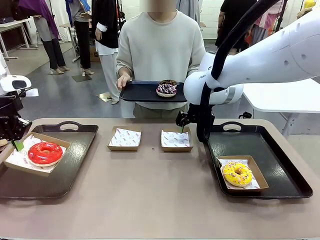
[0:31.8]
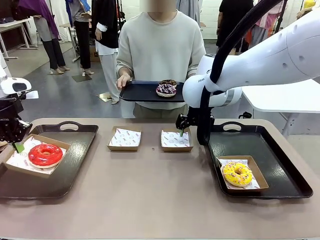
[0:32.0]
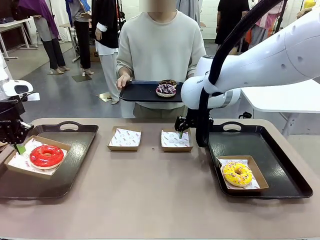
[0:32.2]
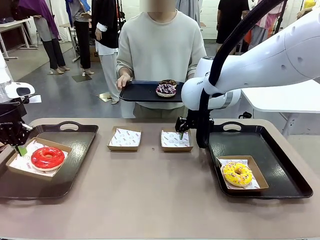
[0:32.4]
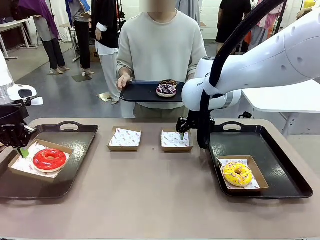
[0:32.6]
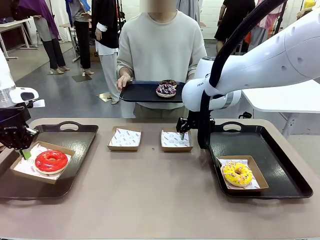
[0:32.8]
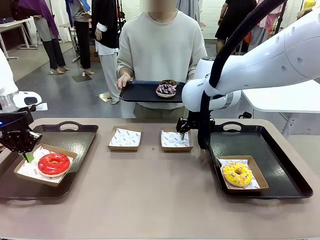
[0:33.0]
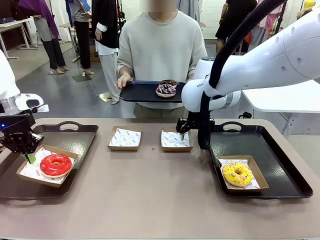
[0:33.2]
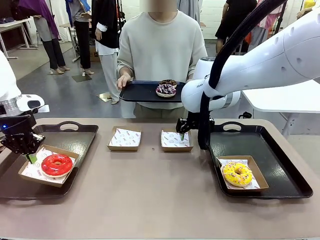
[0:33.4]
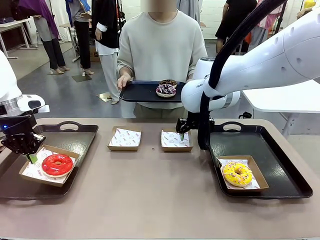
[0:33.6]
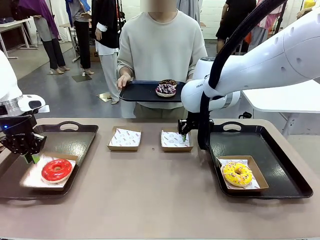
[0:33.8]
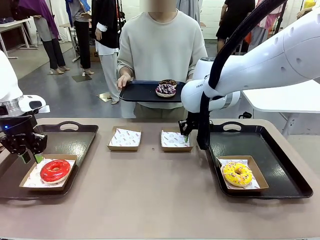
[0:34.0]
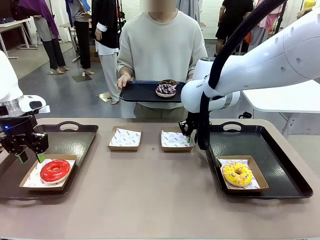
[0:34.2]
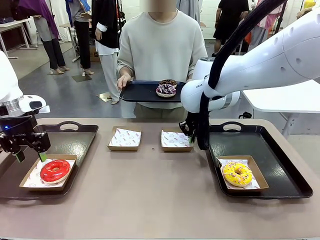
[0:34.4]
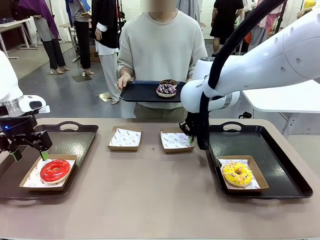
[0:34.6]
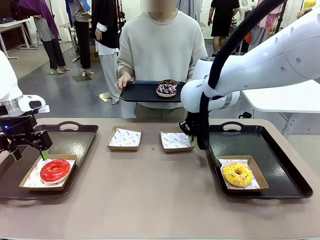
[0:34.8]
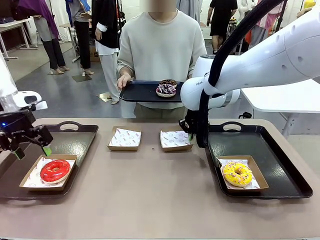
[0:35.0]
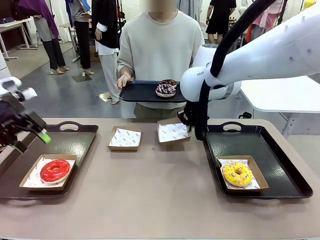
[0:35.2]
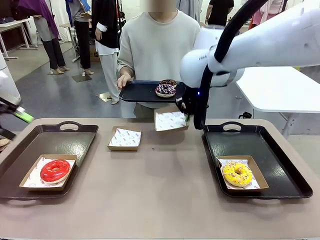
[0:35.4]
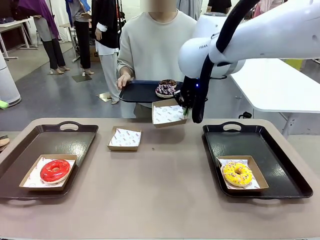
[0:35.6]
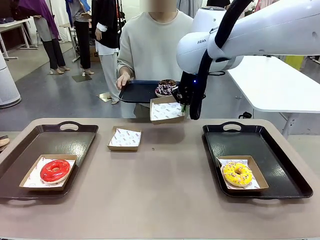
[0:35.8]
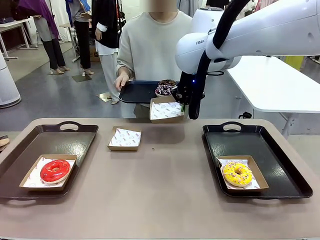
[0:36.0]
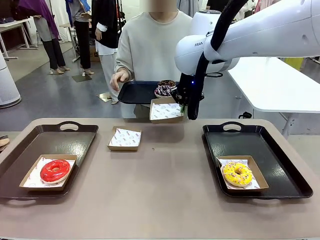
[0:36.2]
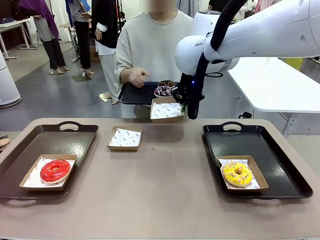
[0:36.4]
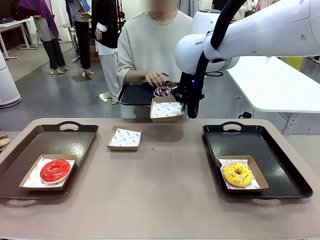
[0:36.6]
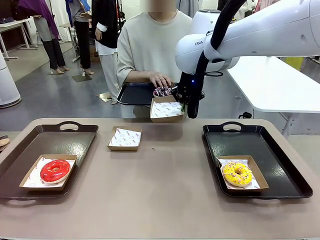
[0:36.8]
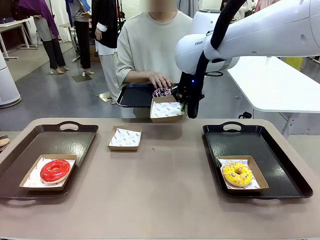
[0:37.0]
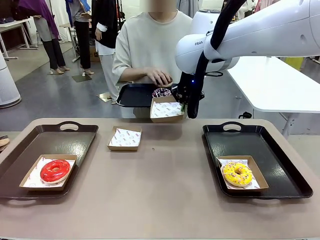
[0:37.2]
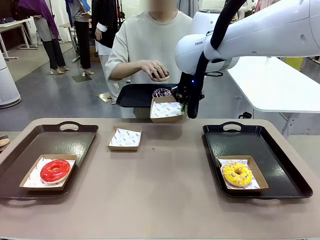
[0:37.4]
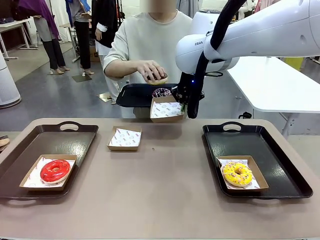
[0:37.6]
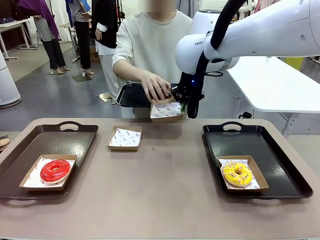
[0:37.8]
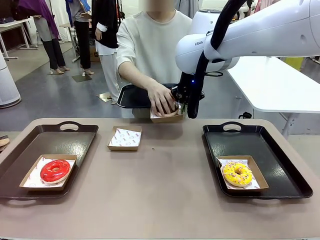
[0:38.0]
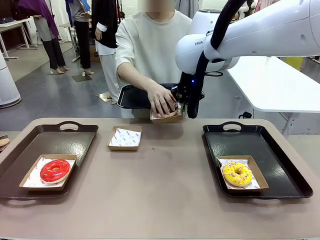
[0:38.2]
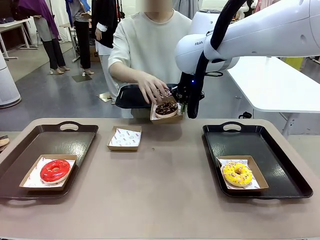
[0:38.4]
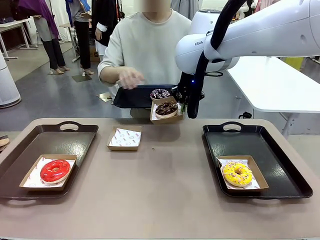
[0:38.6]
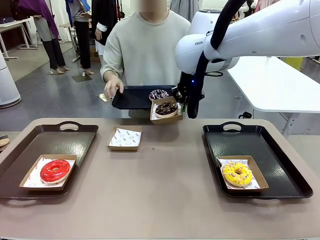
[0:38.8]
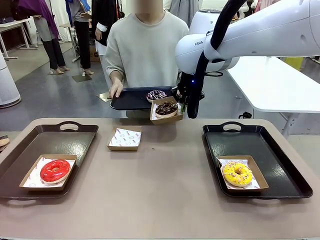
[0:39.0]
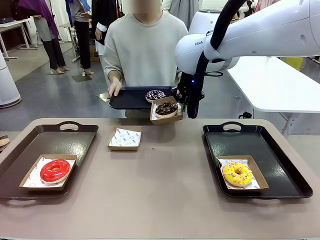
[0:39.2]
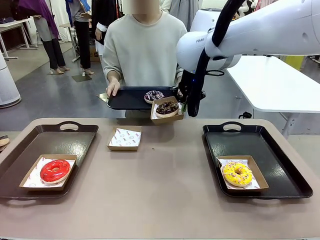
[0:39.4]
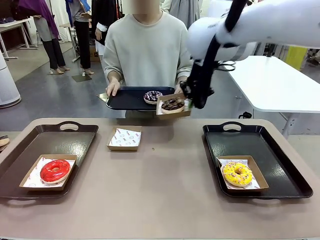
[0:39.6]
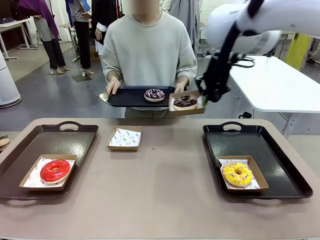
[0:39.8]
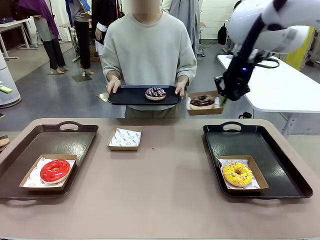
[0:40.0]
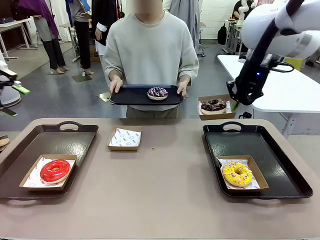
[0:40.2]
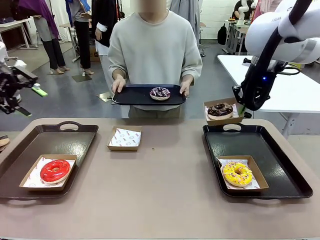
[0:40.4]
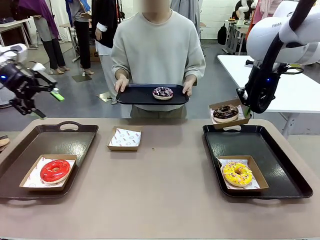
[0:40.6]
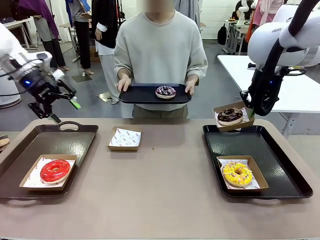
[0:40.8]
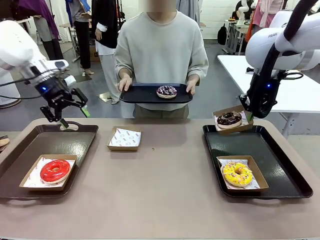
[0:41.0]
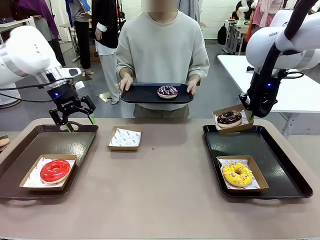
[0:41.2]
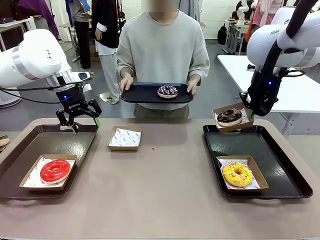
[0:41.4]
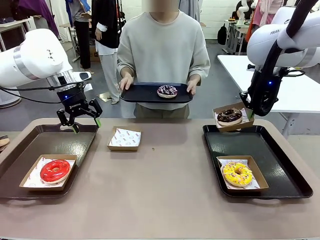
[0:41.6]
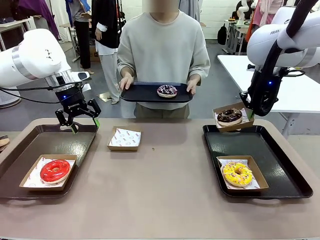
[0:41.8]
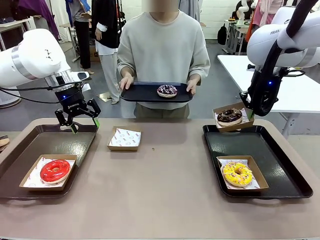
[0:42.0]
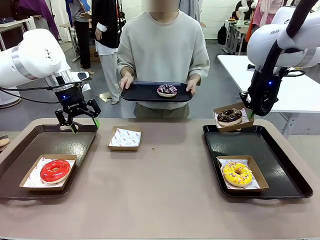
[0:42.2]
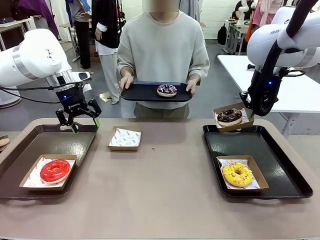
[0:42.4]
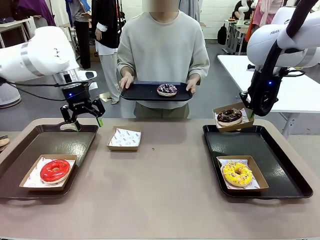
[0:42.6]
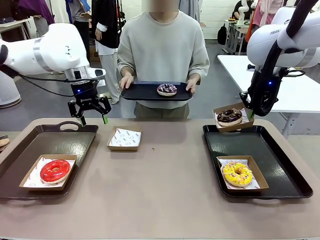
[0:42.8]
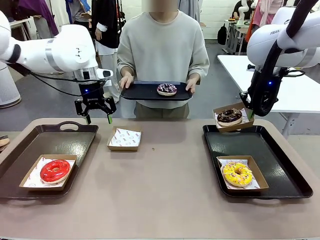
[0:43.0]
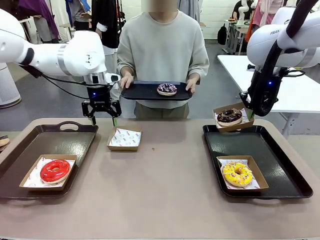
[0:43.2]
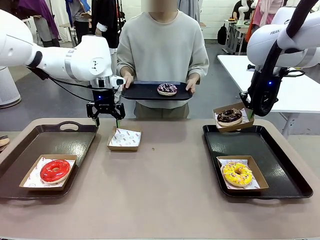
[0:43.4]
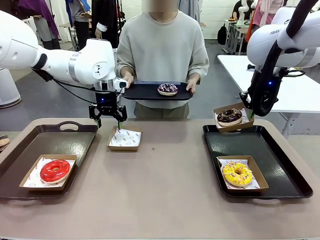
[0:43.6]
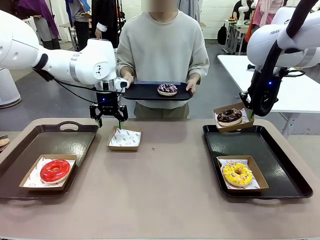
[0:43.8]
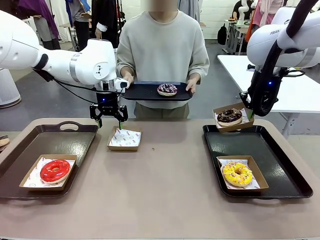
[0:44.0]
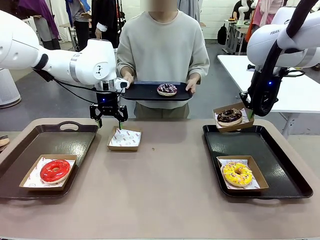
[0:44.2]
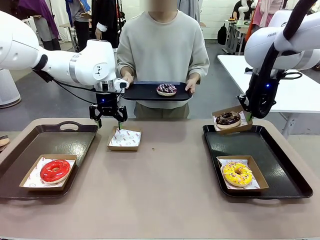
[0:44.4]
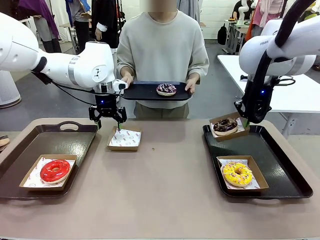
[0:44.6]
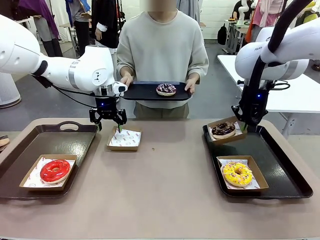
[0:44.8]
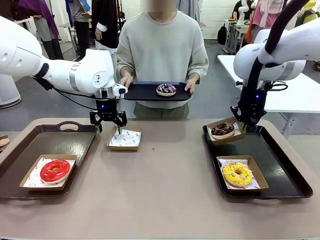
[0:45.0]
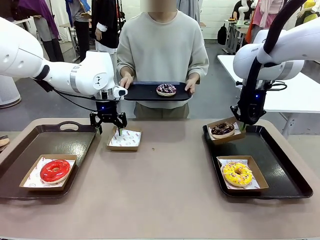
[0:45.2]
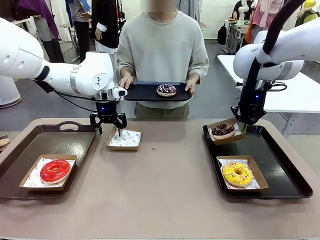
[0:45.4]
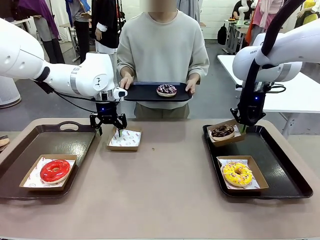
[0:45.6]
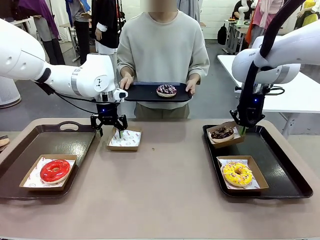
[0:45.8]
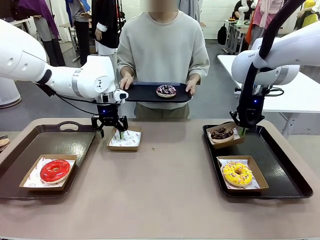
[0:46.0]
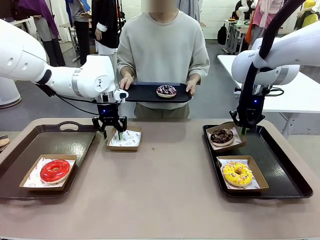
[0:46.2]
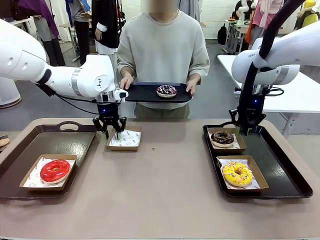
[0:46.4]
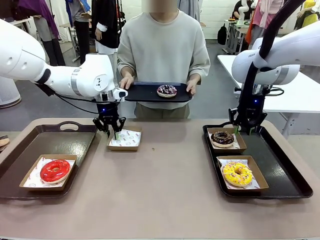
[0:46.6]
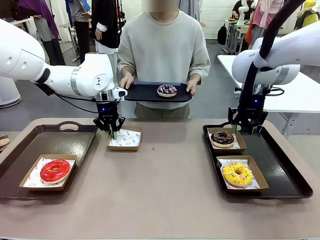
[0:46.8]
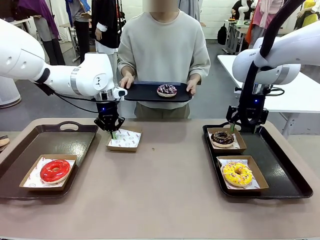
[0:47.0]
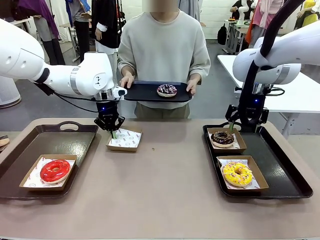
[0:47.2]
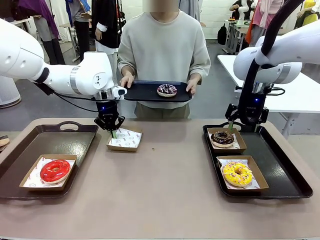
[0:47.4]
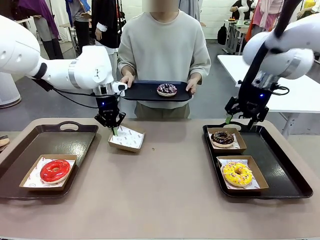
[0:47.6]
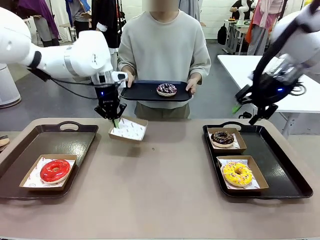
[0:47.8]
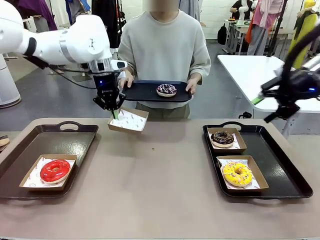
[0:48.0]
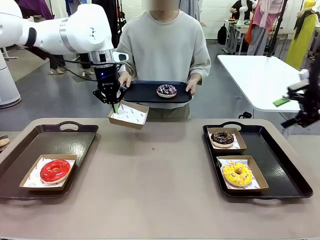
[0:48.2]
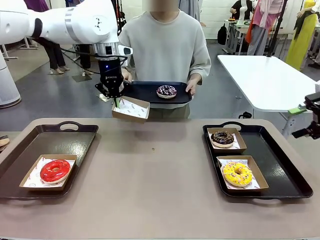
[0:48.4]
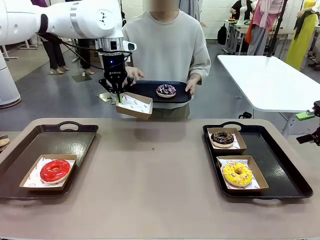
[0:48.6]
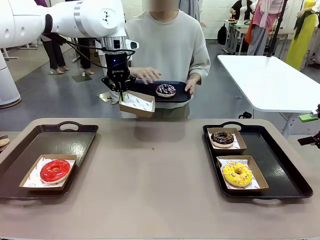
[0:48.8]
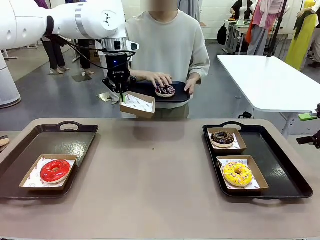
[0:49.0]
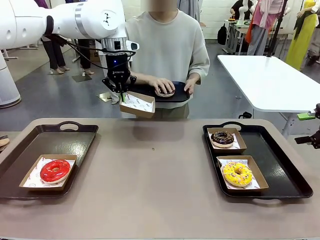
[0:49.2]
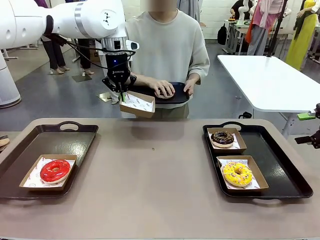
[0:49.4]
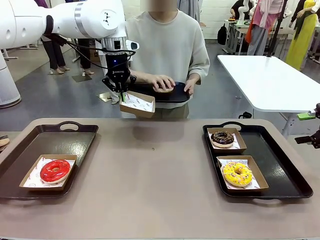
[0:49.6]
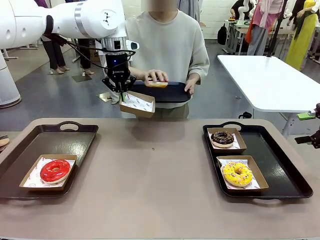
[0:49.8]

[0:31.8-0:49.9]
Task: Individually package the donuts and arrange them on the tray.
Robot: Place the picked Paper togo box on the Handle tray while simultaneously picking up another Paper togo box from the table with the other hand.
